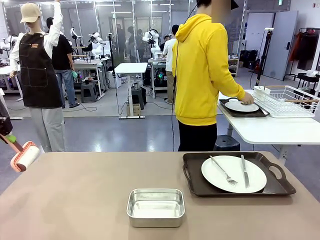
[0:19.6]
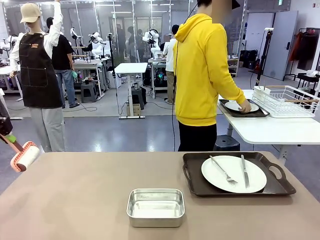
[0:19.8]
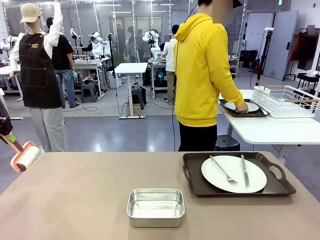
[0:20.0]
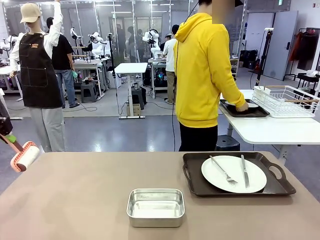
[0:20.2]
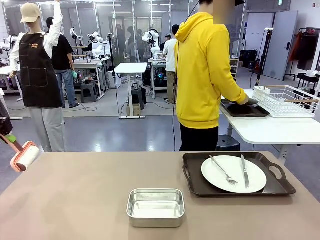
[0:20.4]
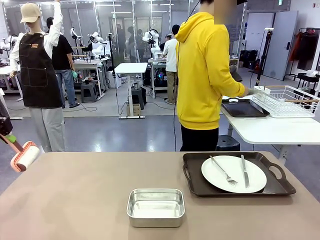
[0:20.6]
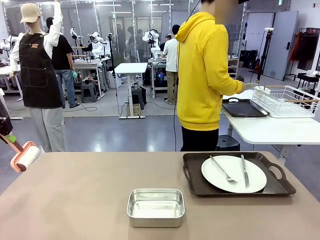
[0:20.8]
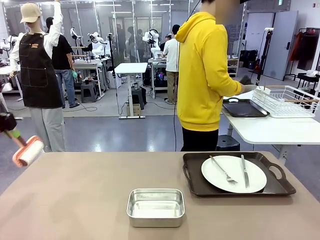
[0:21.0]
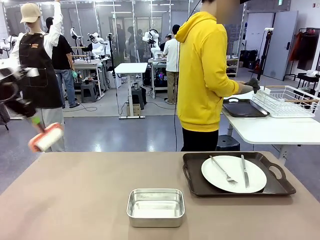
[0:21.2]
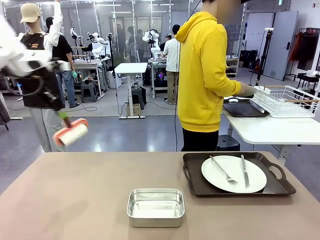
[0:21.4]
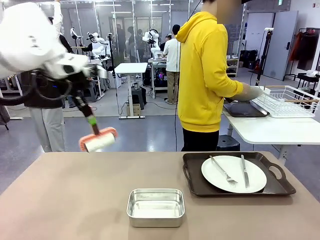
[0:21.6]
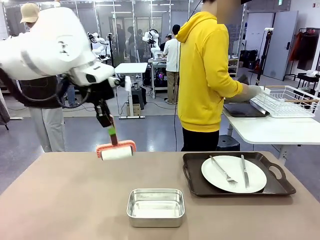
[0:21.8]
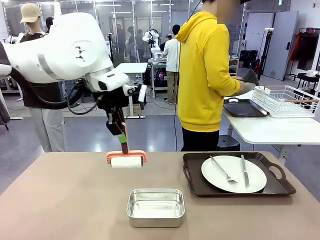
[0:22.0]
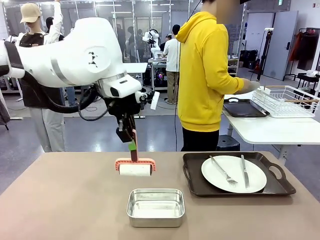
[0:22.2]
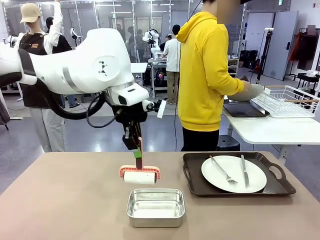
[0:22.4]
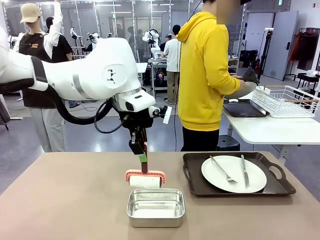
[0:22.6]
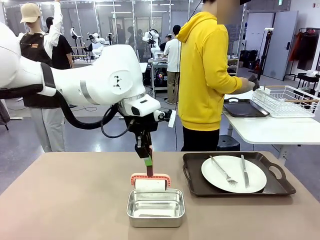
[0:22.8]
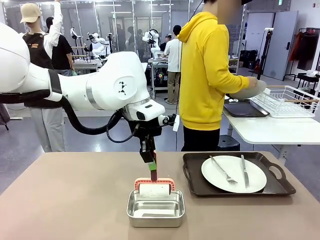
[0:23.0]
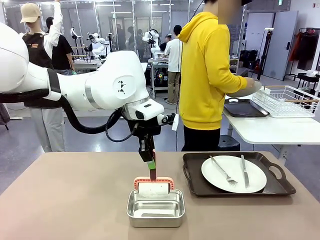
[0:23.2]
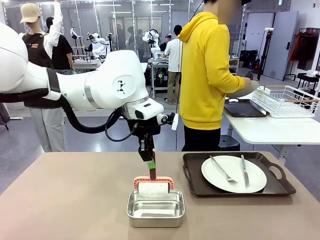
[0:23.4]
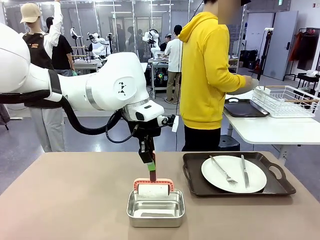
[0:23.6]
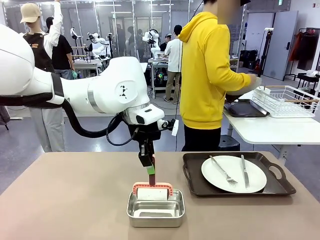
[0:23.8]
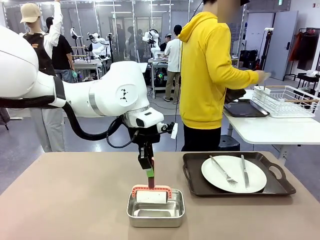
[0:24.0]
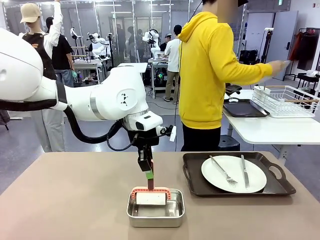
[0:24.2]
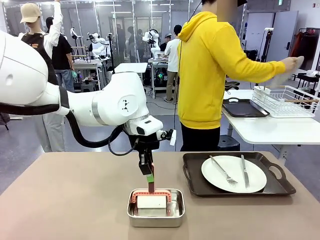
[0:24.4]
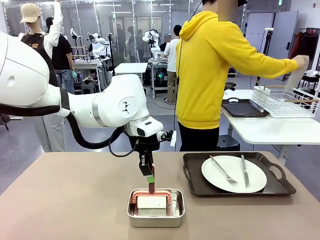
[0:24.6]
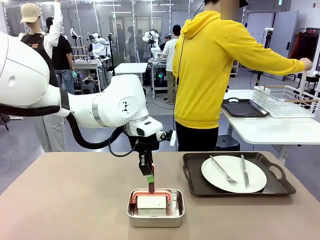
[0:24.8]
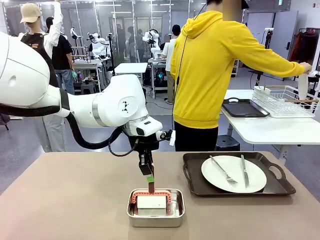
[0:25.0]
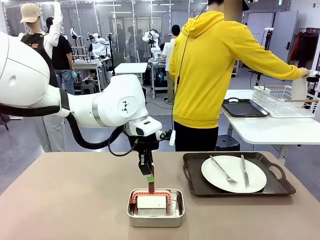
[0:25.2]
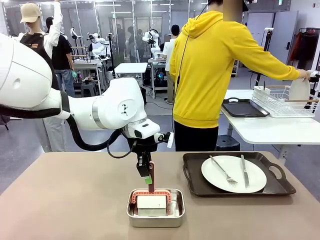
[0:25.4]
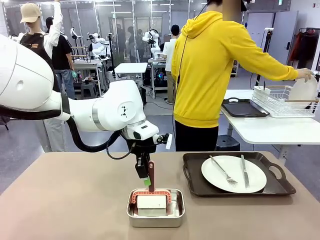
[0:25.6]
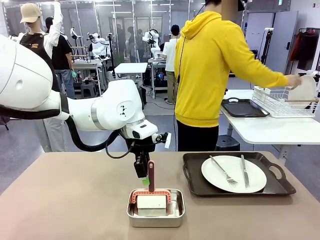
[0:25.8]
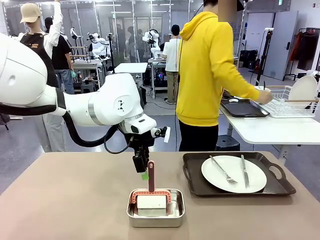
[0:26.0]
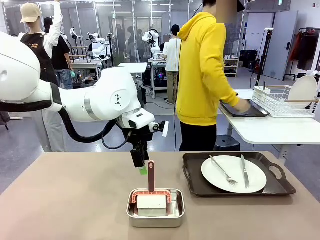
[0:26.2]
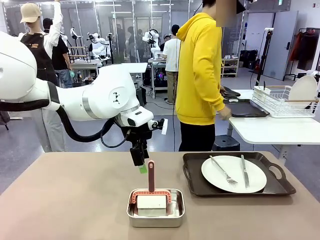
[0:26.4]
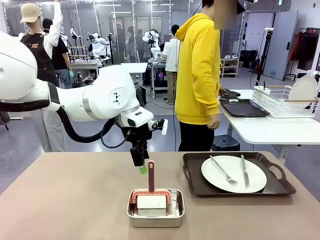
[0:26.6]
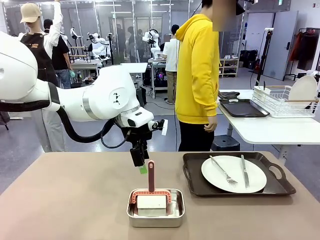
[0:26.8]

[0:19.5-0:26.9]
Robot: Place the Lint Roller back on top of the Airtight Container.

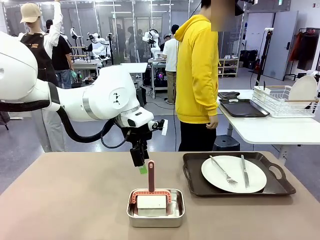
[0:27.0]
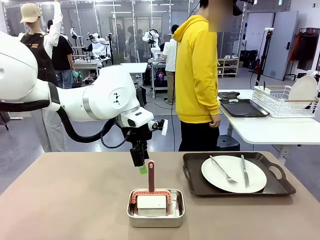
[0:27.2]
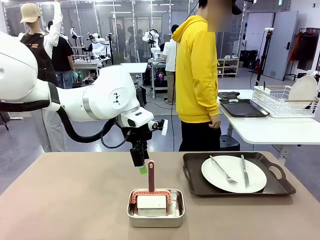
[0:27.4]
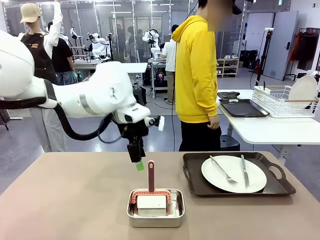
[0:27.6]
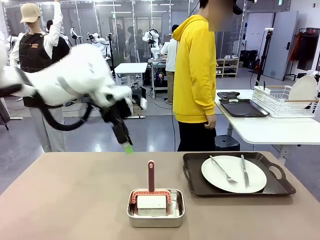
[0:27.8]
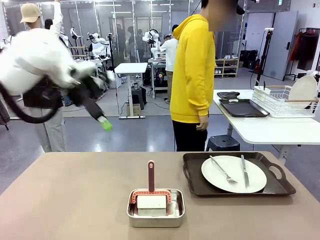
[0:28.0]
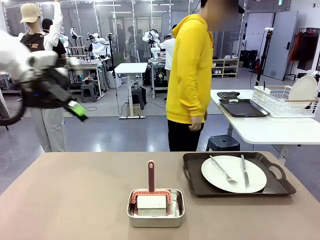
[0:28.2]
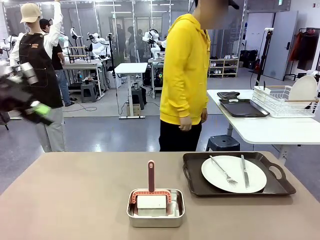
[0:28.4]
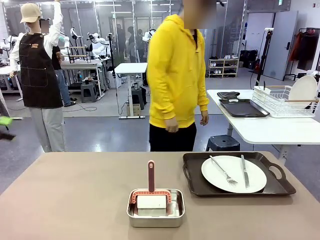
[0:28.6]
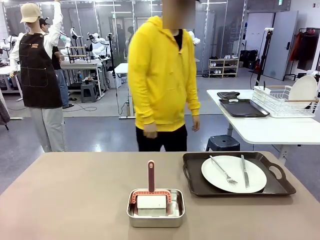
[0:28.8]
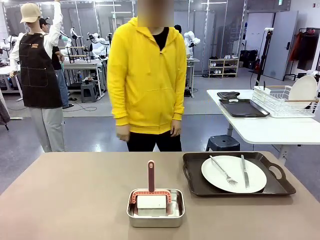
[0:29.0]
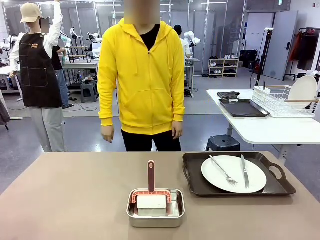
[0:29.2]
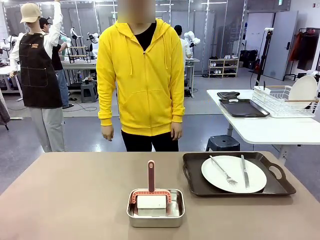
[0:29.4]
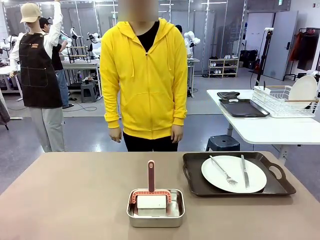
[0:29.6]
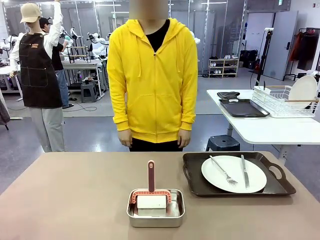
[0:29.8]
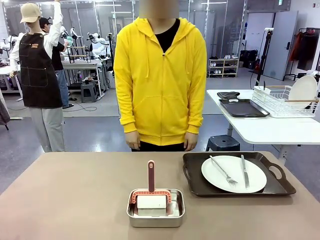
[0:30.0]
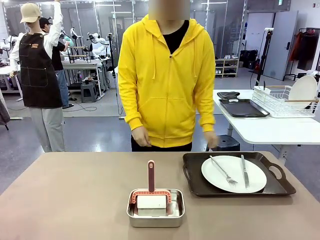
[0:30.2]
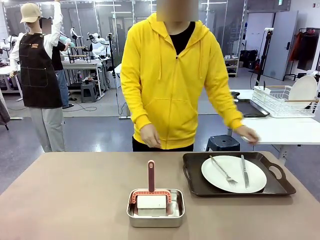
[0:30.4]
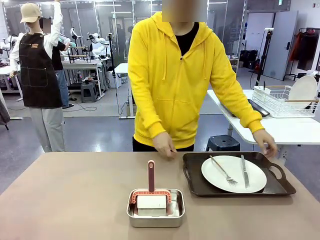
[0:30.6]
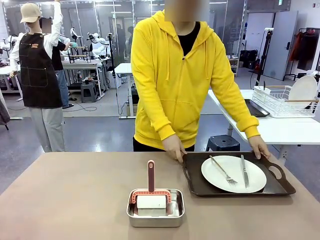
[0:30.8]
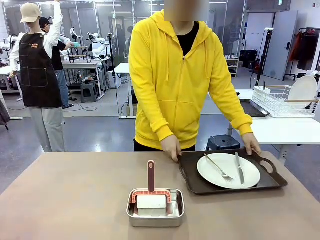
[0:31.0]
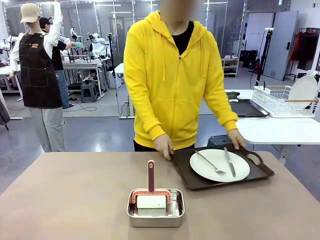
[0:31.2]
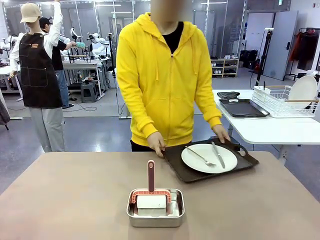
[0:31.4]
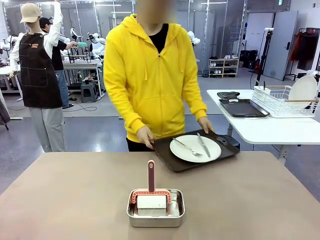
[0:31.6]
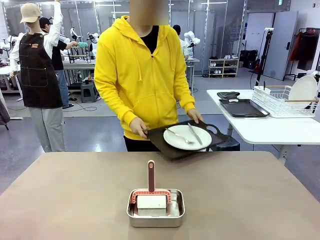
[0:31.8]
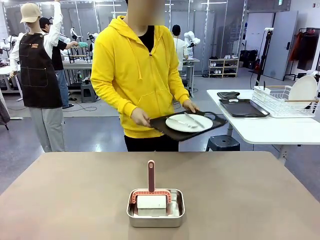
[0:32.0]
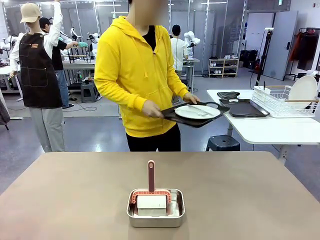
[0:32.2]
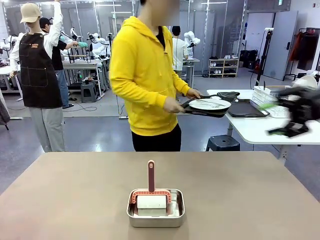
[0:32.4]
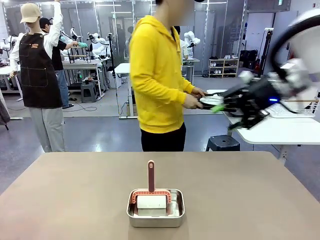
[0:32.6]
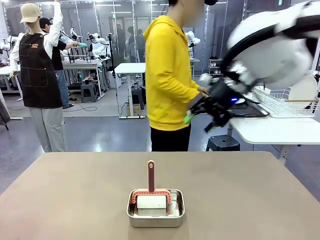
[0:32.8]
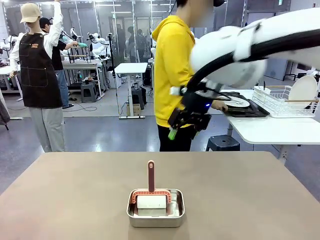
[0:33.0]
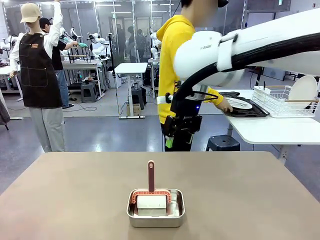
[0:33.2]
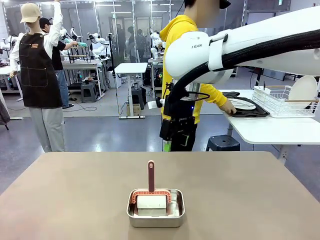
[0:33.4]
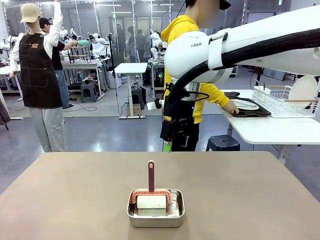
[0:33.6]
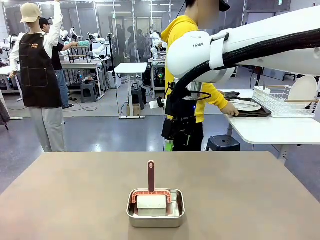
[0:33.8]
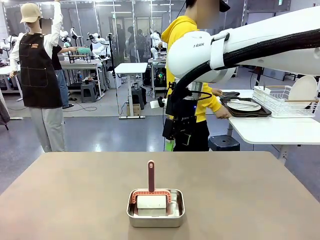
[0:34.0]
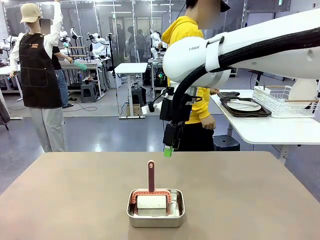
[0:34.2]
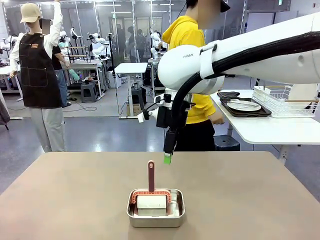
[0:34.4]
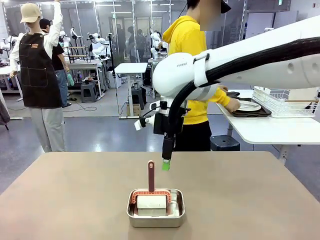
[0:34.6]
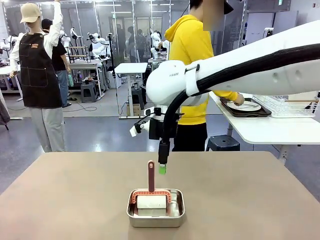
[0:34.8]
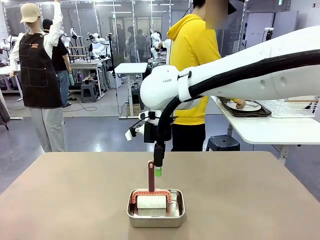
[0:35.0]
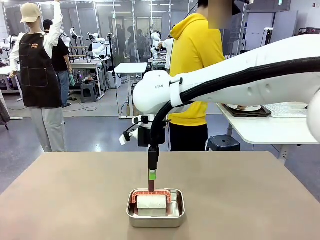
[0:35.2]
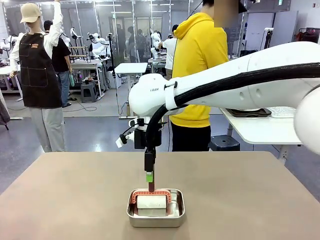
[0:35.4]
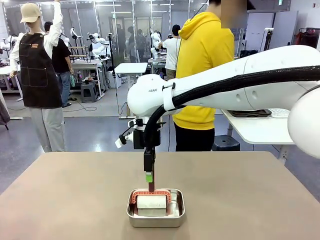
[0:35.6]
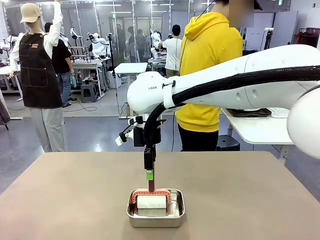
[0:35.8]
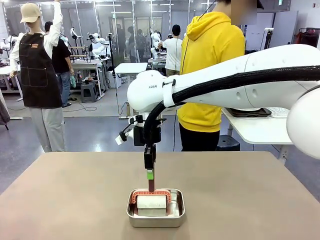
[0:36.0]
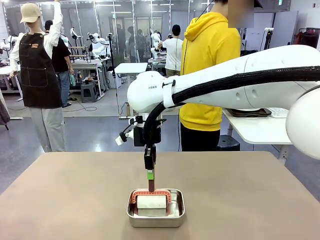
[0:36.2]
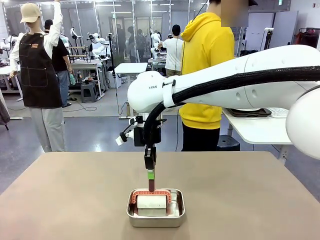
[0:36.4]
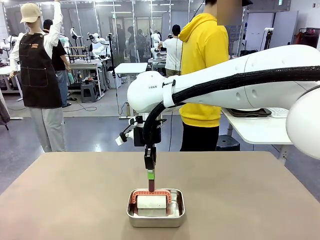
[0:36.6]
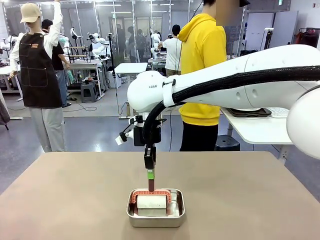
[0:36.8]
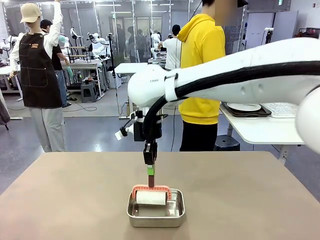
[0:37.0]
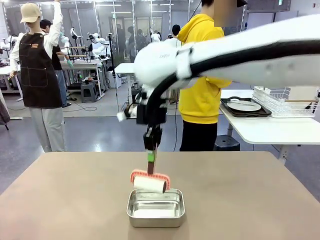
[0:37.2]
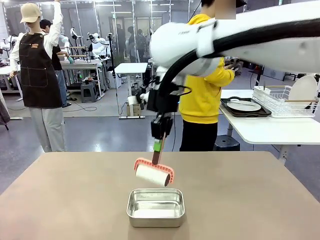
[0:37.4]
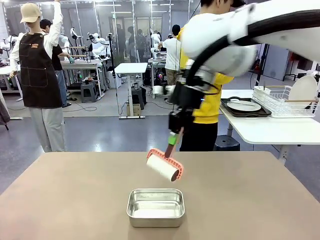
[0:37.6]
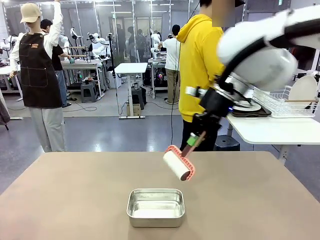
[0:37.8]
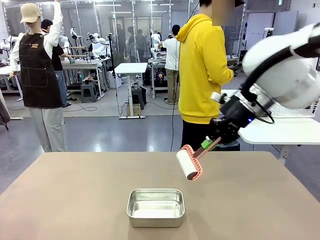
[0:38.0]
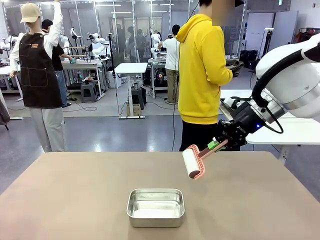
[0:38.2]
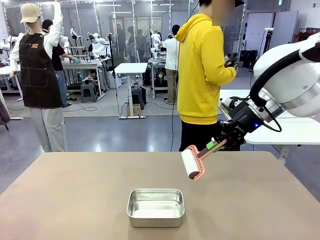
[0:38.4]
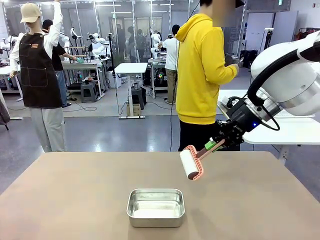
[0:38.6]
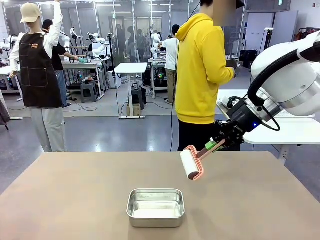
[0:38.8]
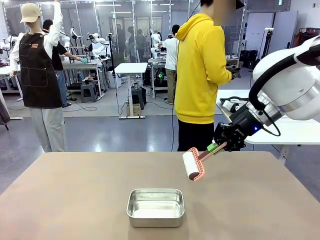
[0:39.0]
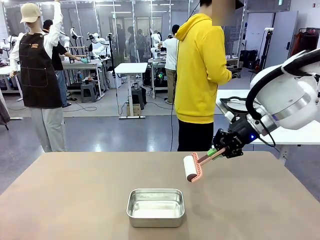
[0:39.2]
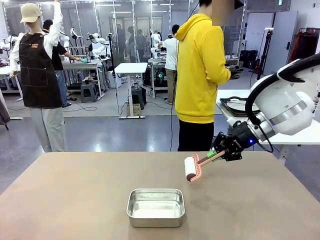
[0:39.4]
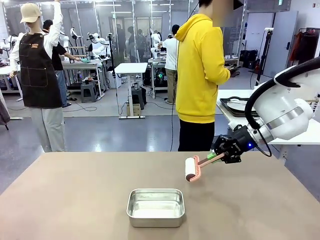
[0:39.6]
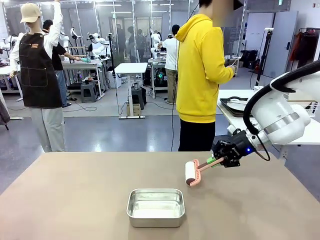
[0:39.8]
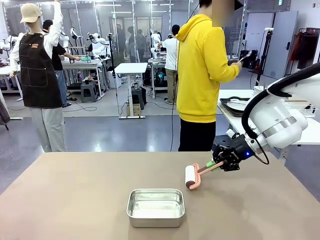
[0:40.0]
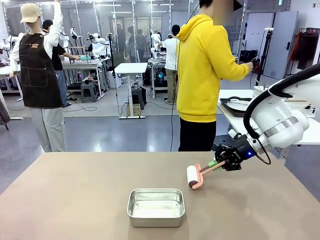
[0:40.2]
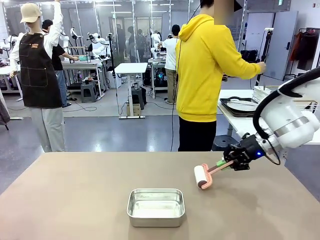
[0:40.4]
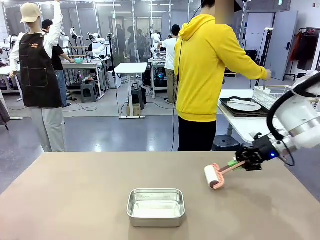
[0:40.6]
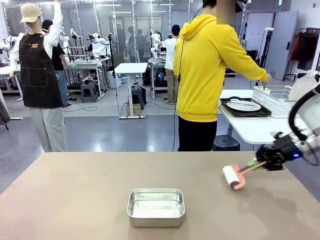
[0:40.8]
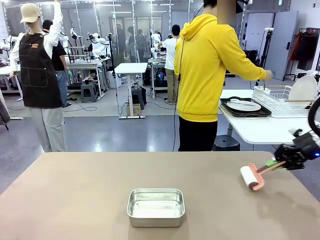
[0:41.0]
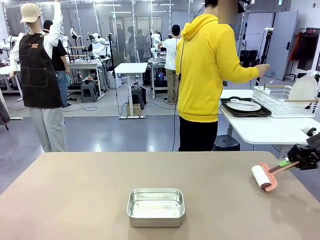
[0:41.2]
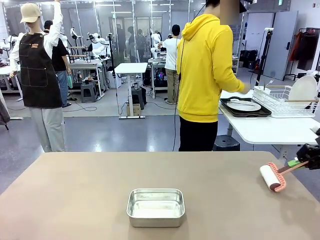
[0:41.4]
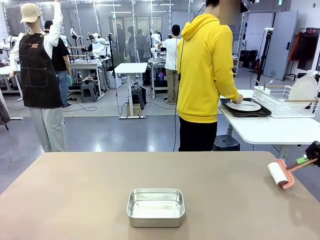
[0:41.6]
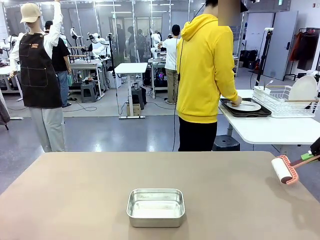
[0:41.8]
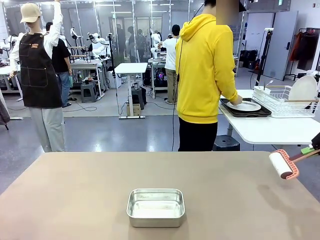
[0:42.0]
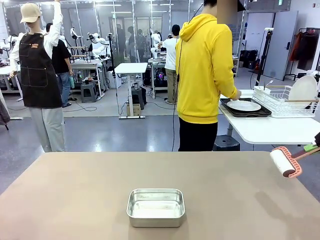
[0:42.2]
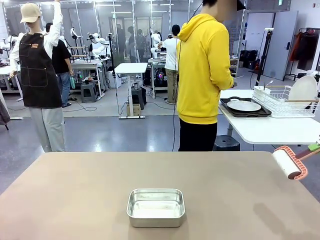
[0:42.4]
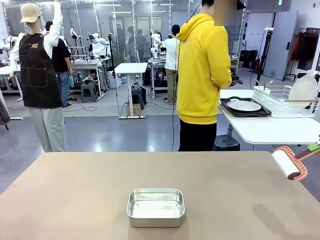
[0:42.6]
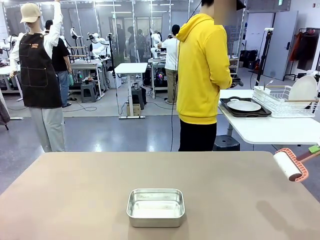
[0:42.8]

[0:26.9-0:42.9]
Robot: When the right (or left) Handle tray is removed, use the right hand (or left hand) to clean the right (or left) side of the table with the Lint Roller.
Person: Pick up the left (or right) Handle tray and place it on the Handle tray.
